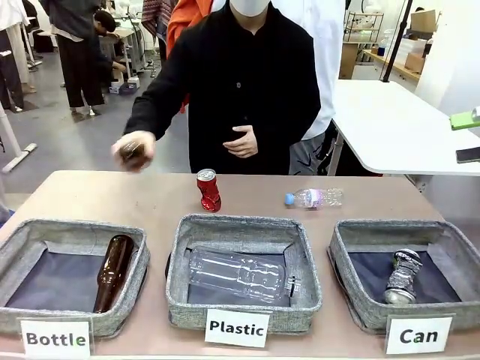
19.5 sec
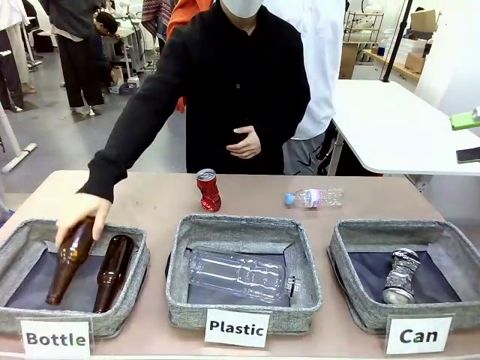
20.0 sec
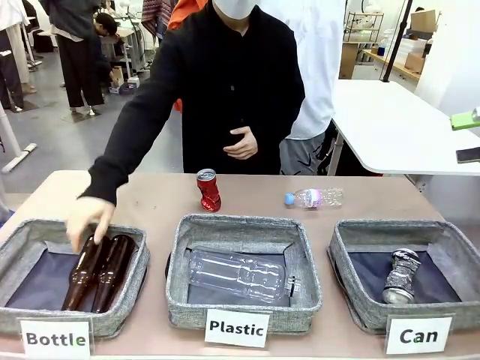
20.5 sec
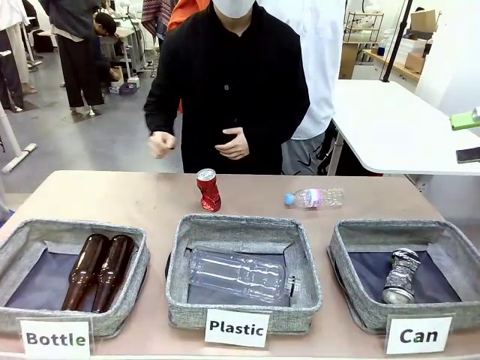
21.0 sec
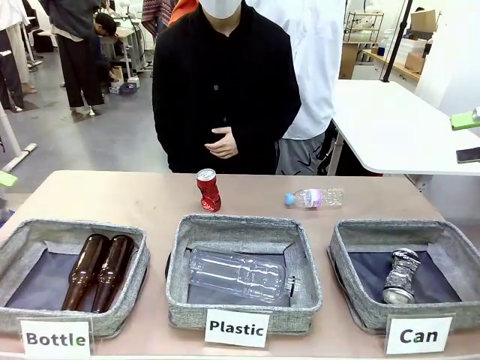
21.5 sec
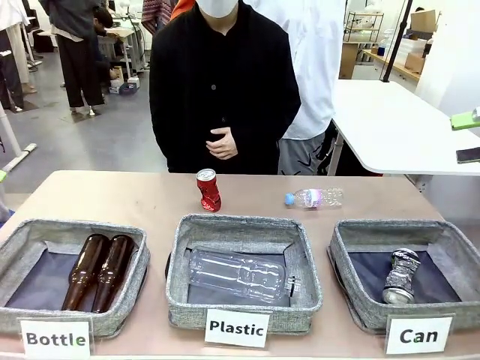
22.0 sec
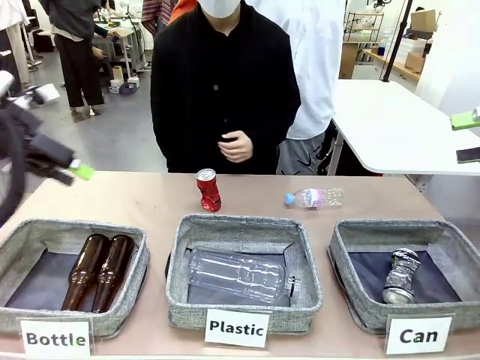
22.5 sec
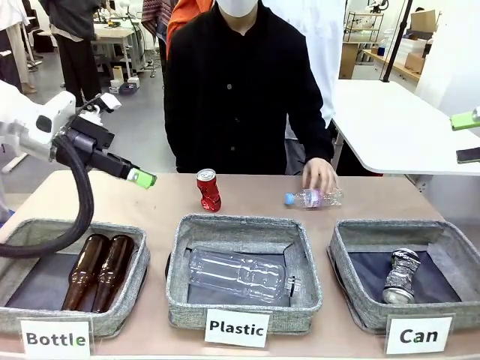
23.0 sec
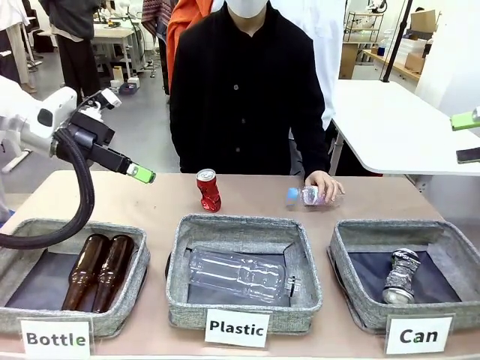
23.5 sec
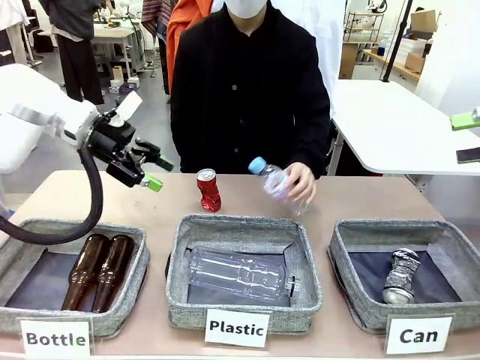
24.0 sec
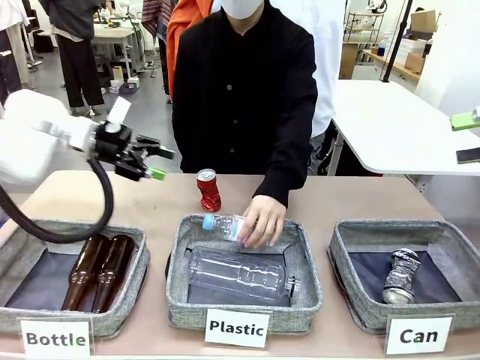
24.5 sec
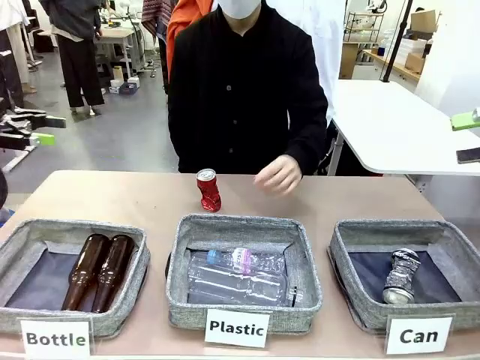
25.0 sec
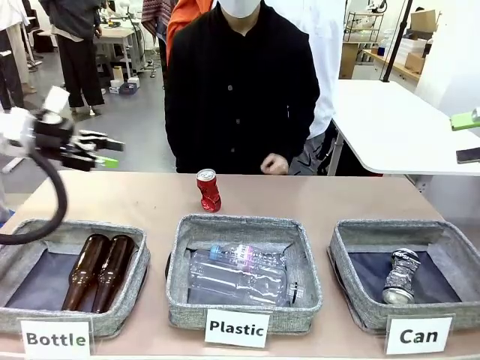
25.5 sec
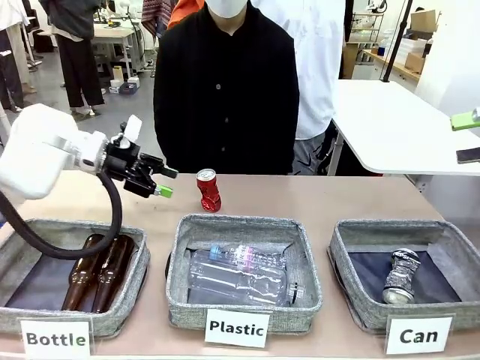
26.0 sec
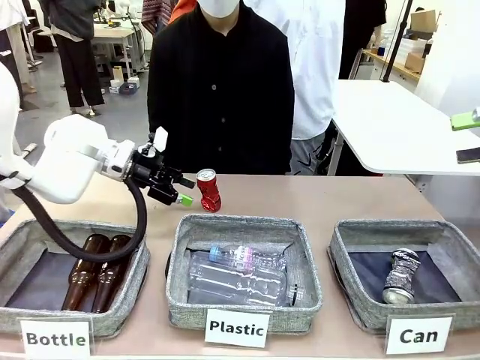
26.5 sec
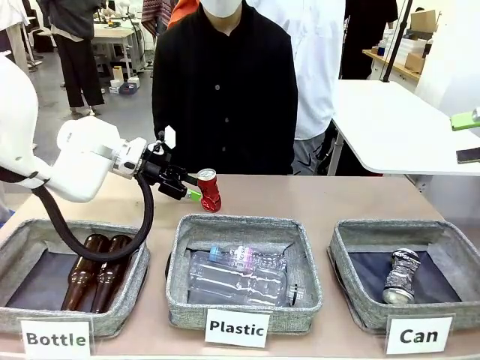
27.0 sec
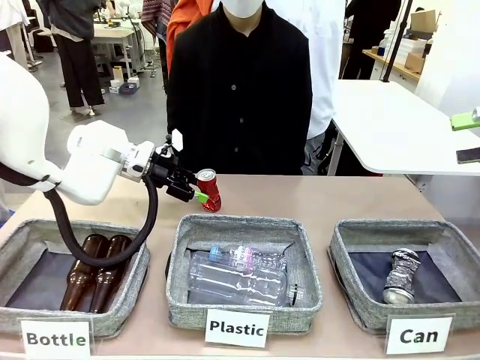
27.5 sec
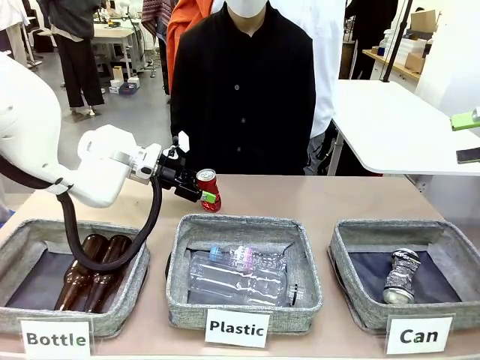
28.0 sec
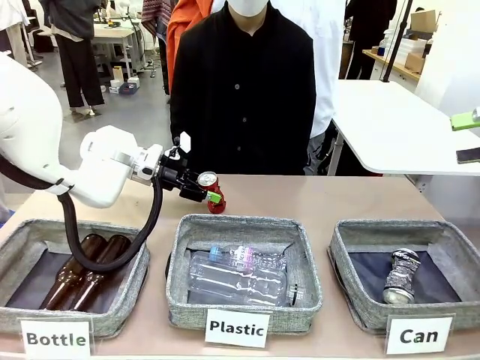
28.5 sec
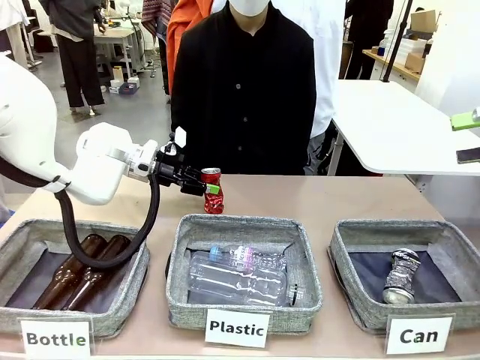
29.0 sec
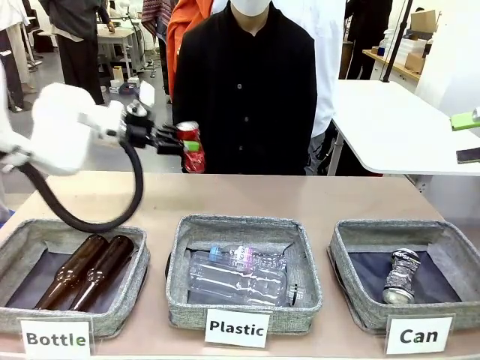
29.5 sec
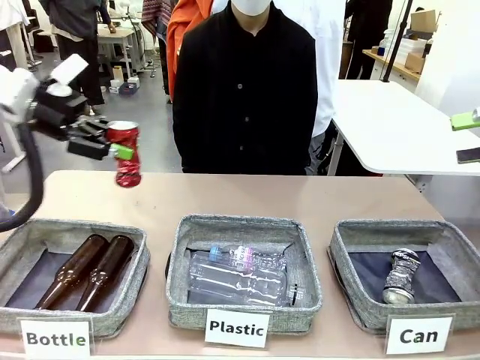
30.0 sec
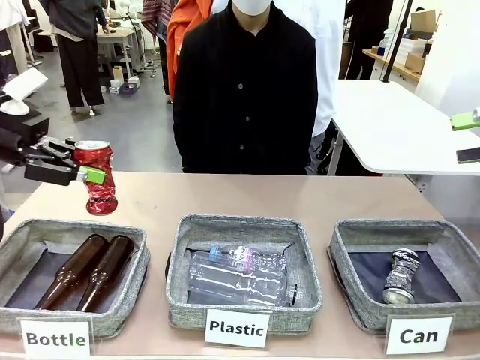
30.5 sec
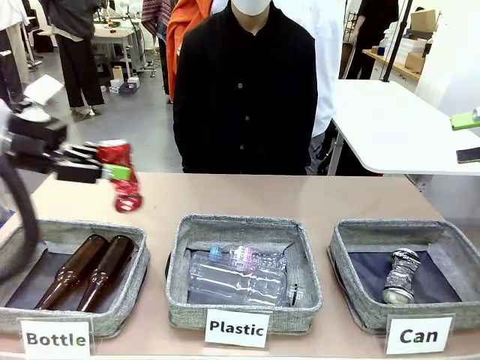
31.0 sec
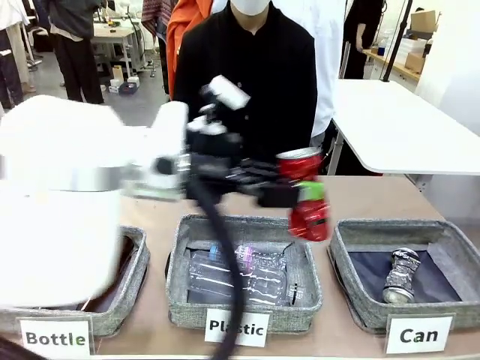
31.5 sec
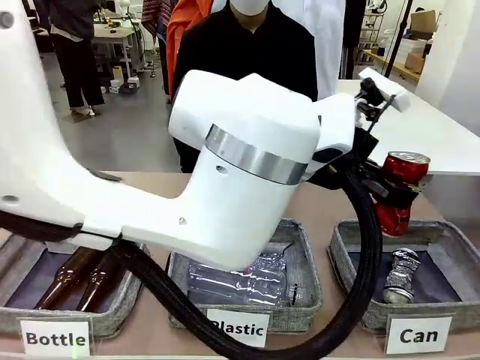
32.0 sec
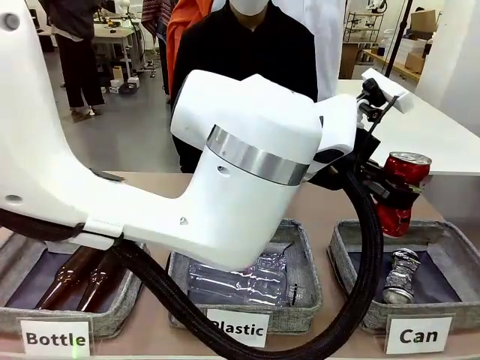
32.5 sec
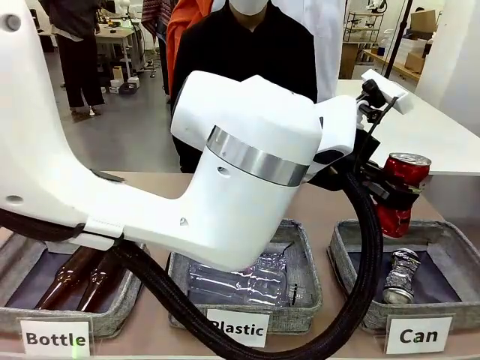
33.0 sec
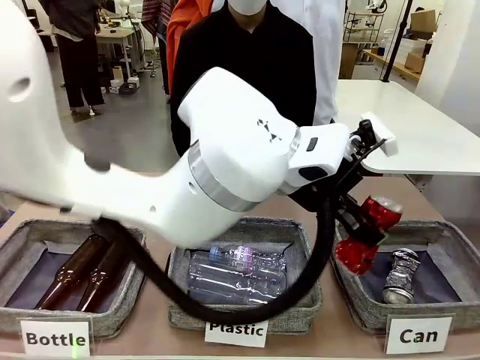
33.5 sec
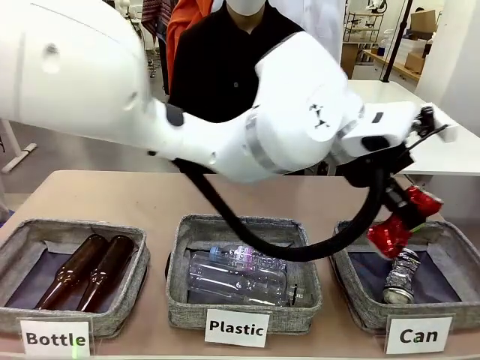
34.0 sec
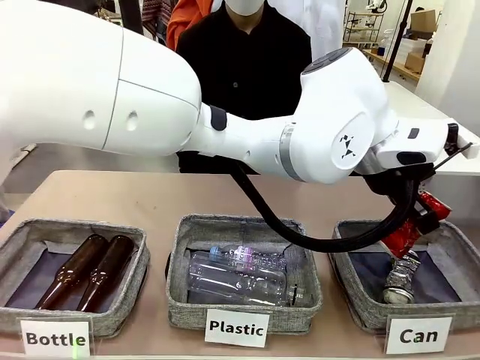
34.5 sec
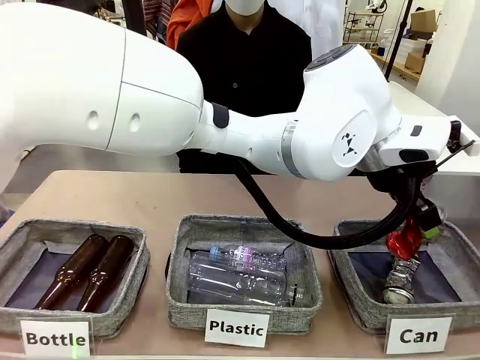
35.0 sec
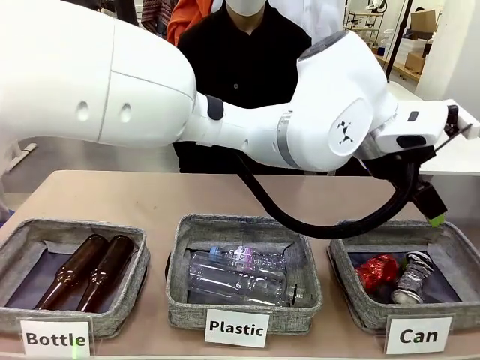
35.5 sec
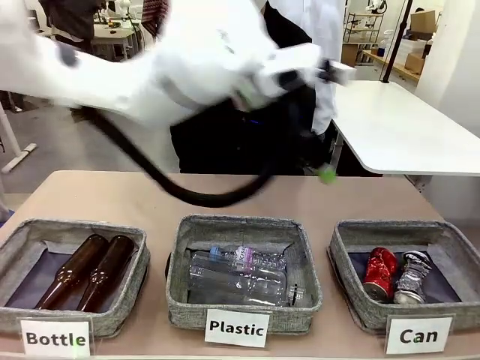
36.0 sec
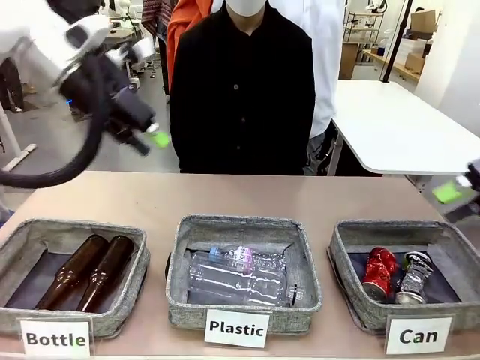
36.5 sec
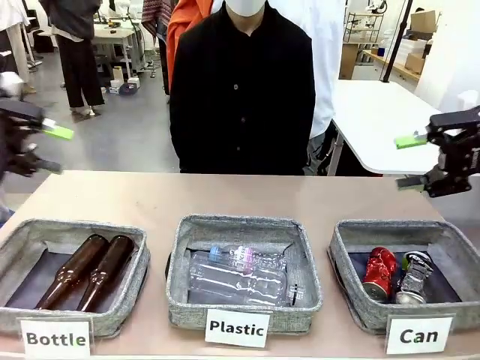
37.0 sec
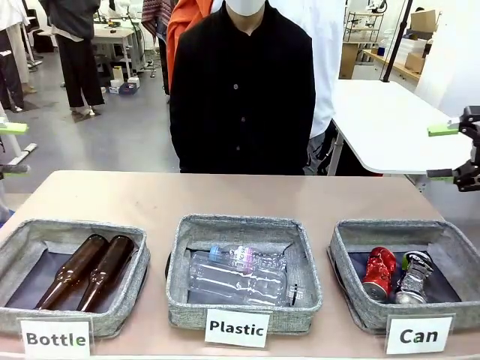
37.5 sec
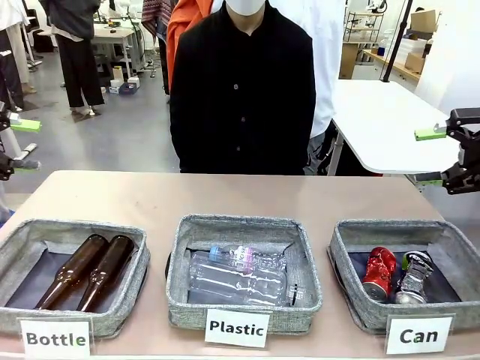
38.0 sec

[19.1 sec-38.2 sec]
Task: Sort the can waste into the basket.
Robot: Pick up the can waste from the table and place it in the right Fabric basket.
